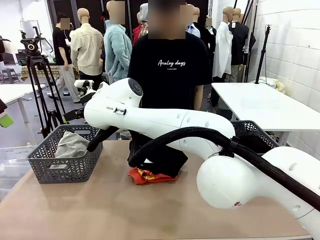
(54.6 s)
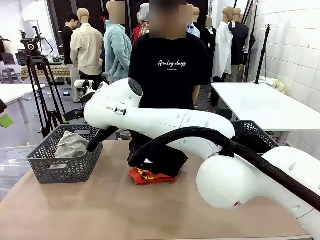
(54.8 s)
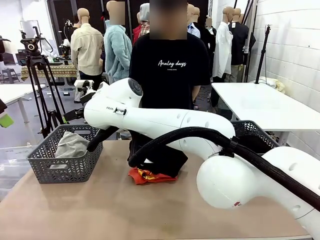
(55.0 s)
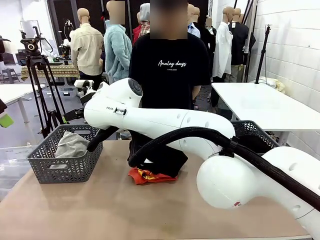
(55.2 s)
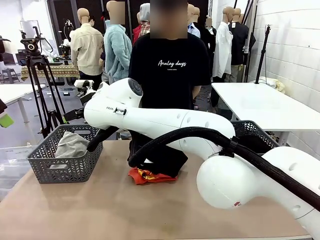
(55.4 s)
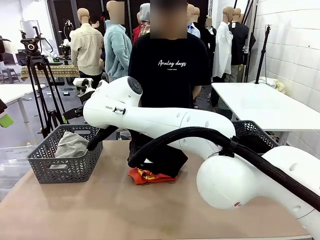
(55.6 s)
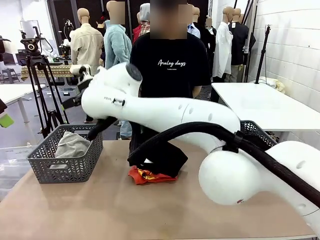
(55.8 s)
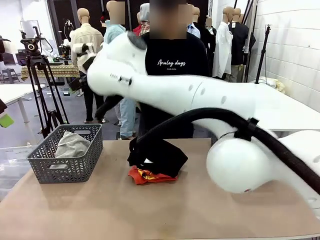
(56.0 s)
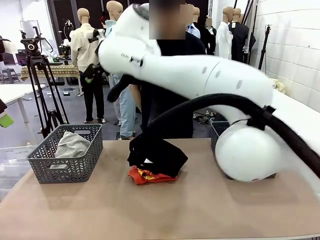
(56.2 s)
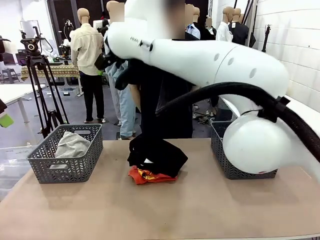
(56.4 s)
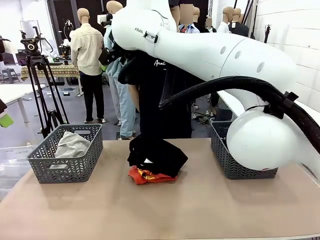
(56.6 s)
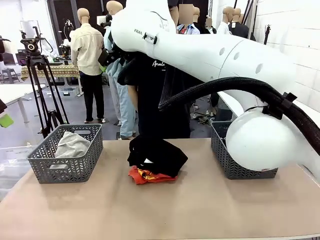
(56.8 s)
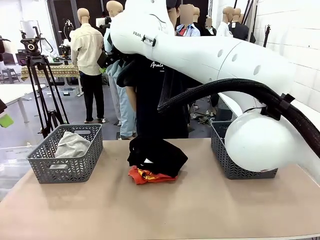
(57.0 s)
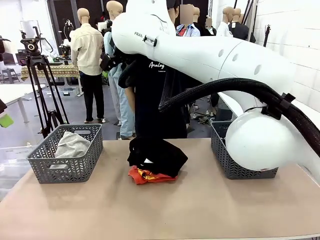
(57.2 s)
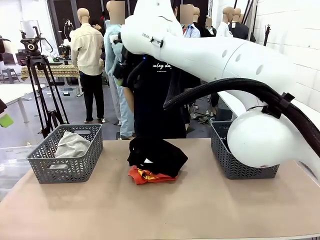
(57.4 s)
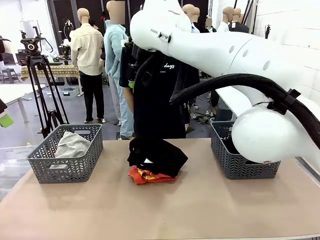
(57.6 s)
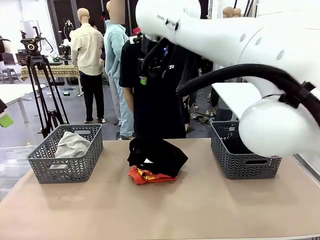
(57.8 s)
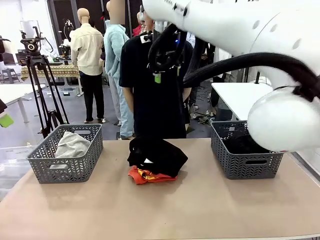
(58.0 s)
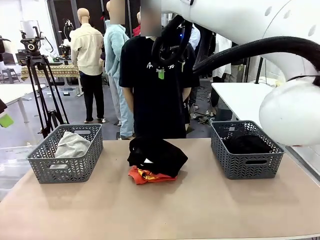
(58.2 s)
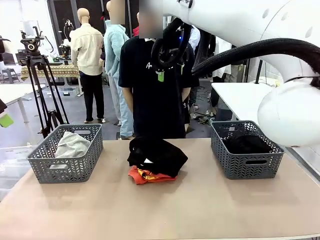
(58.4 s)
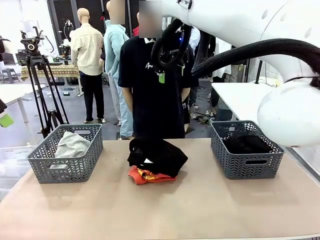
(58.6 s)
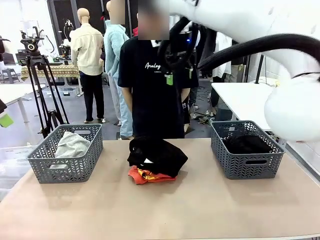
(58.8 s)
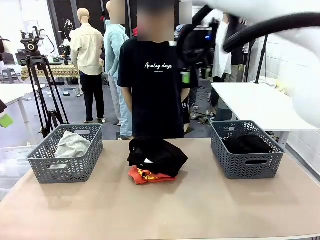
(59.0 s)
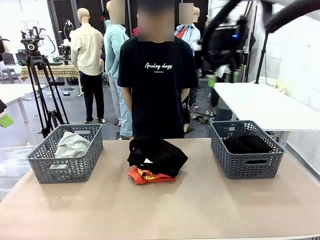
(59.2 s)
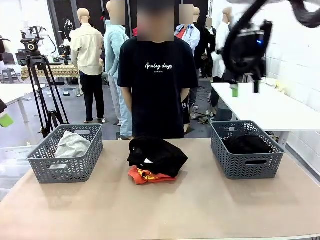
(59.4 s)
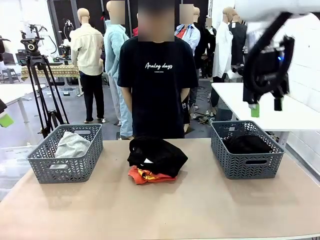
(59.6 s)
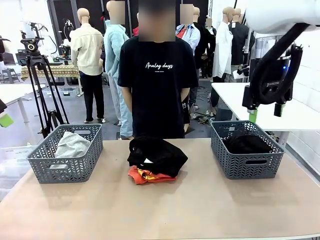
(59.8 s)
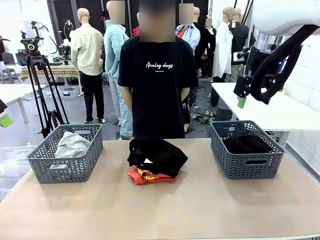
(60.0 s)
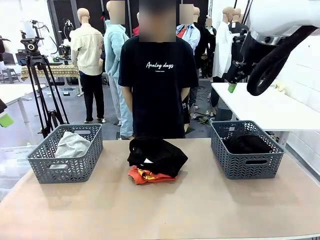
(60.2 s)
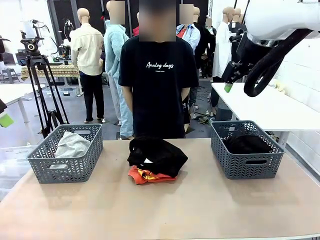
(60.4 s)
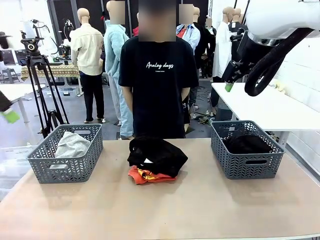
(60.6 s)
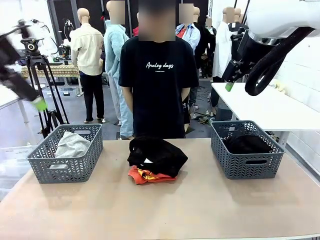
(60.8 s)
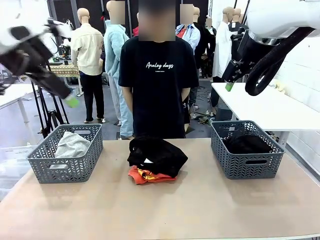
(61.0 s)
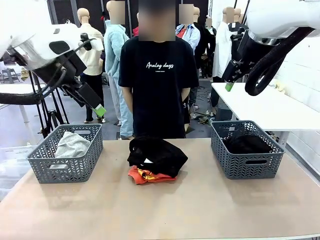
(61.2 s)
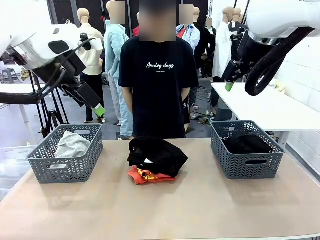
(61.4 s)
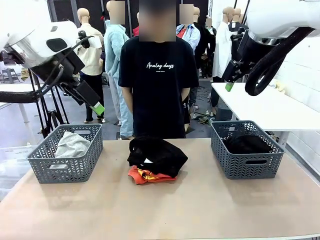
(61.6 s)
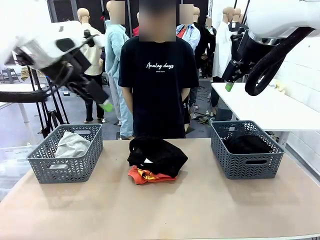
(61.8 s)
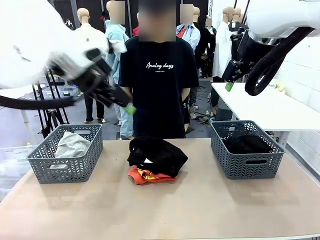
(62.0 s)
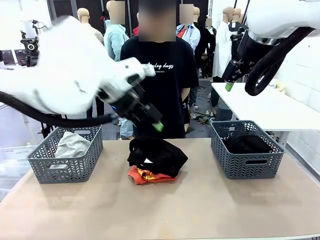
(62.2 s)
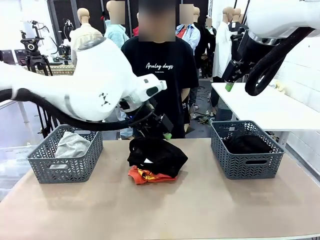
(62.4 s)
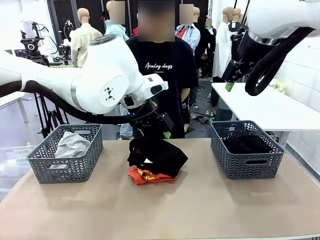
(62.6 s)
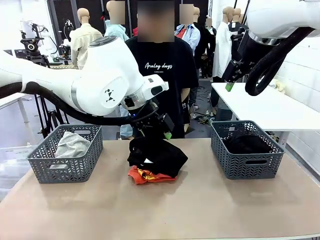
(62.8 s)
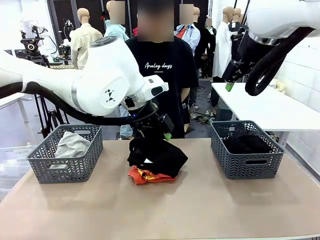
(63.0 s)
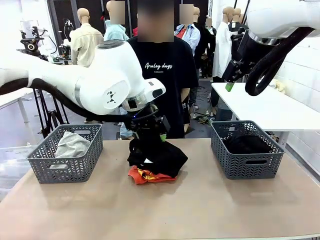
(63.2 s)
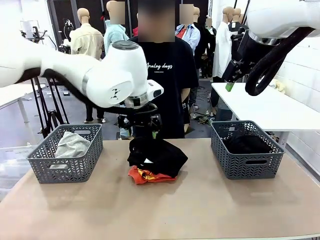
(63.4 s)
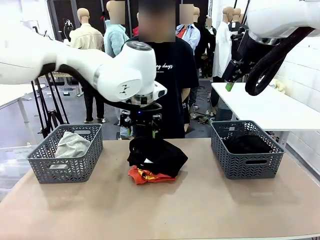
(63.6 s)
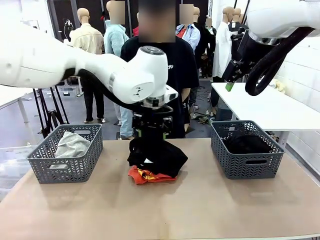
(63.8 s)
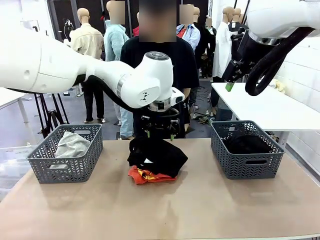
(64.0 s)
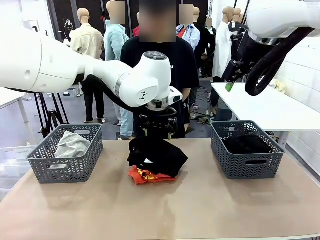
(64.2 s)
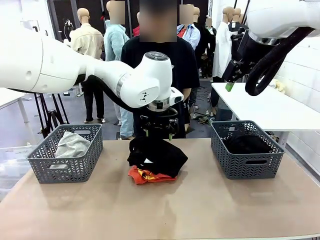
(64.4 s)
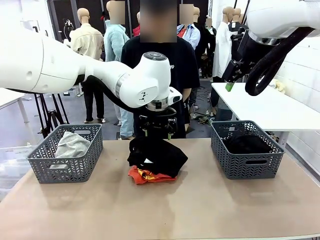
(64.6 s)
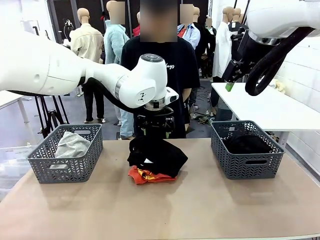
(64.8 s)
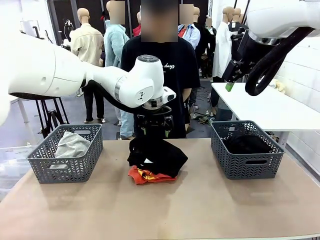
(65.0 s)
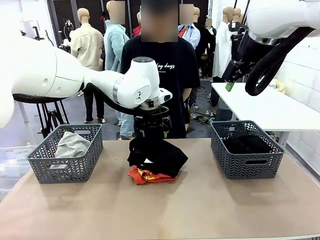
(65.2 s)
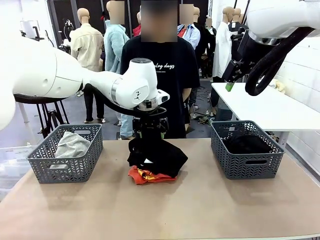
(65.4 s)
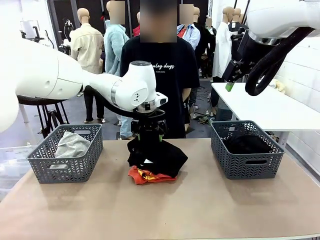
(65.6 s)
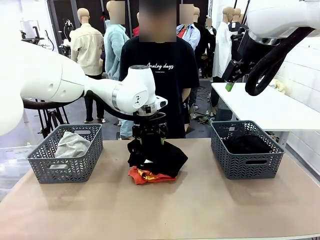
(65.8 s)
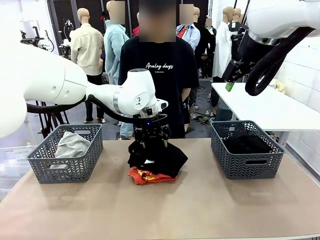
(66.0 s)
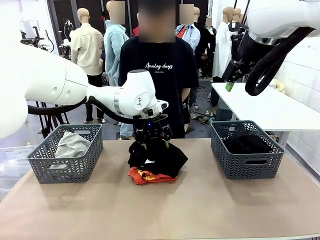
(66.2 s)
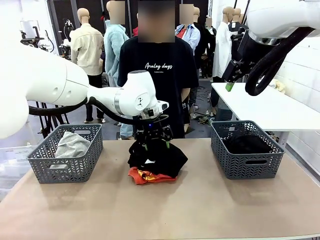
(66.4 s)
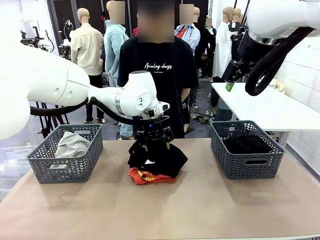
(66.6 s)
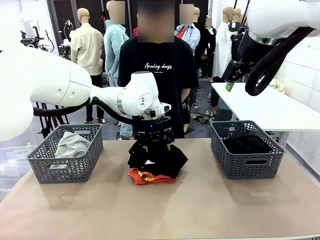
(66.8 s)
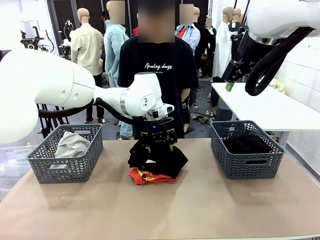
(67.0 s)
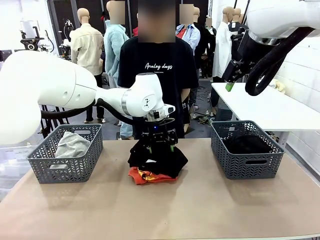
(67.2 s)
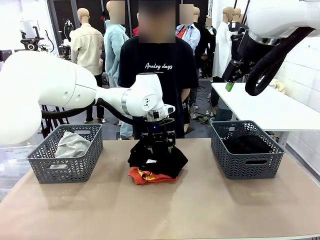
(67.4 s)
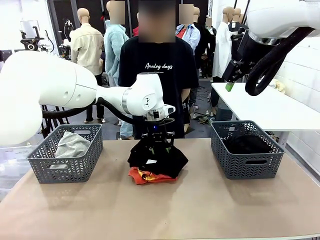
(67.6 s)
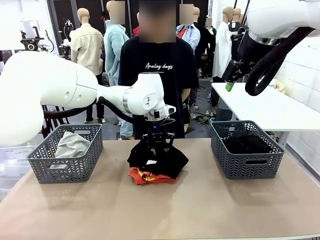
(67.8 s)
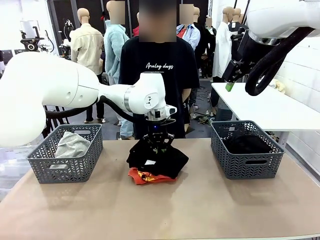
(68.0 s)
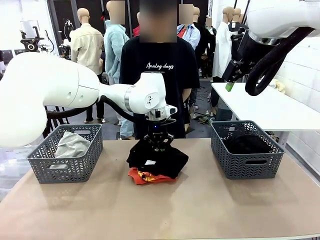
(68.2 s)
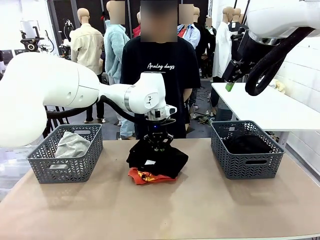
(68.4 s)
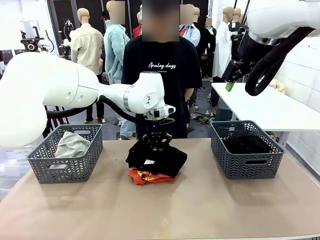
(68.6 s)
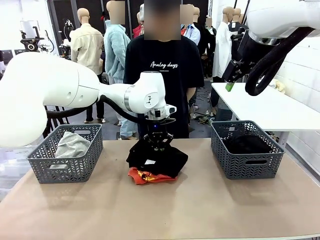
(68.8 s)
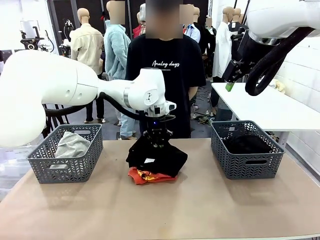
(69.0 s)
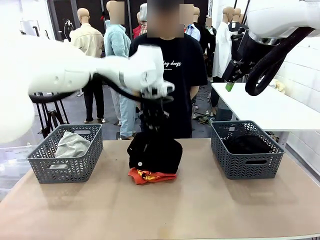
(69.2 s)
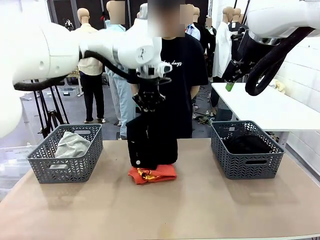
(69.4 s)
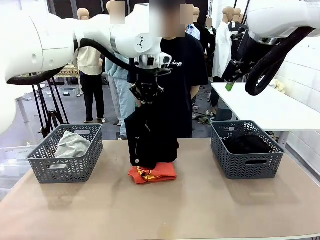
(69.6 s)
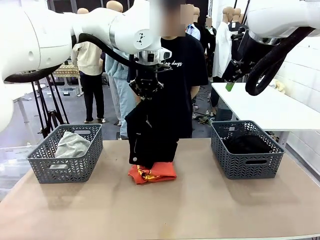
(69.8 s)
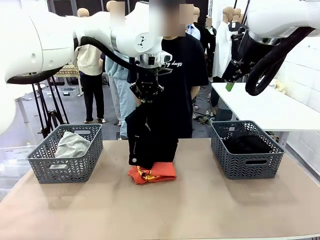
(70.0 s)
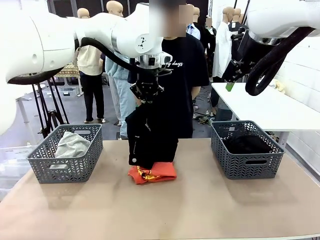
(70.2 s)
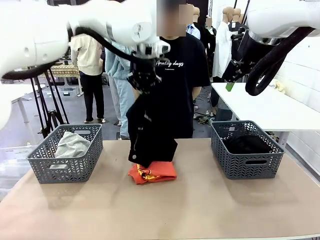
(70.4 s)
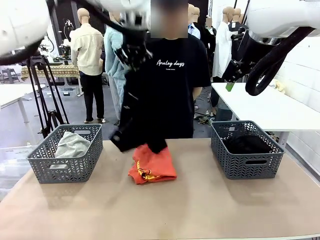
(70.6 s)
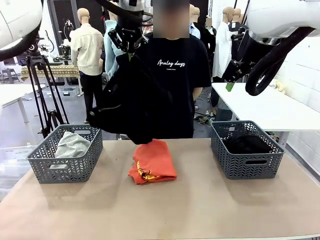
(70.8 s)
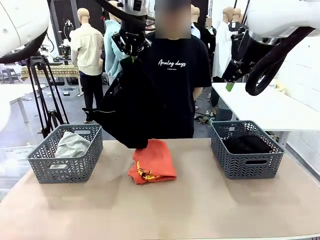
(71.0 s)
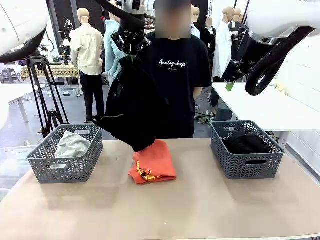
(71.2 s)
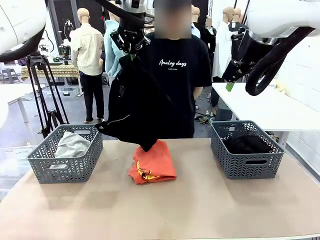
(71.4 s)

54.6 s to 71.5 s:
Task: Sort the tops and bottoms.
Robot: Lift clothes from the center of the table with your left hand.

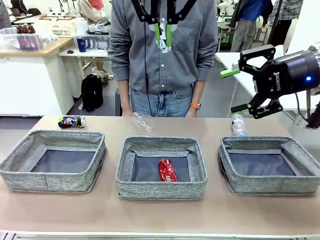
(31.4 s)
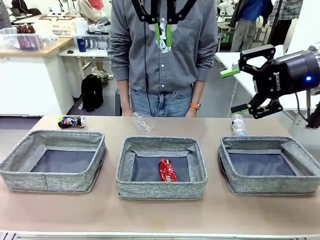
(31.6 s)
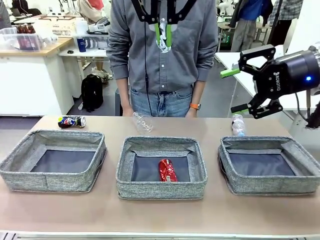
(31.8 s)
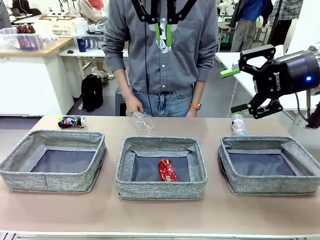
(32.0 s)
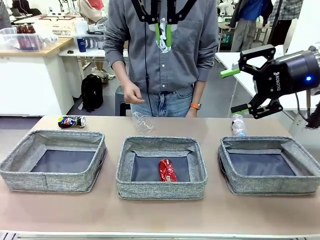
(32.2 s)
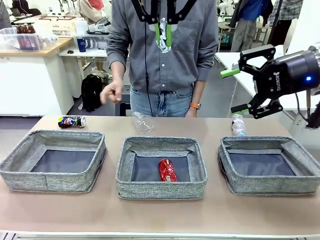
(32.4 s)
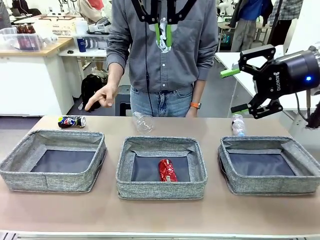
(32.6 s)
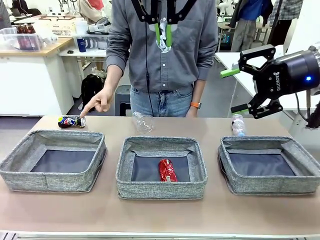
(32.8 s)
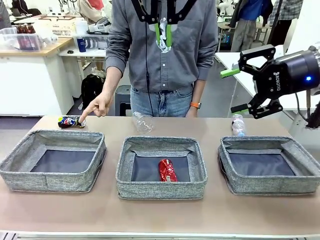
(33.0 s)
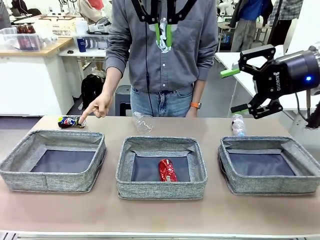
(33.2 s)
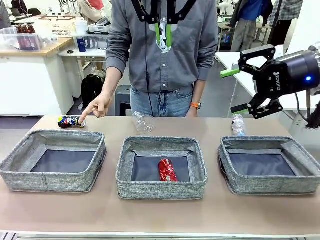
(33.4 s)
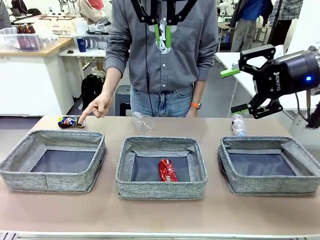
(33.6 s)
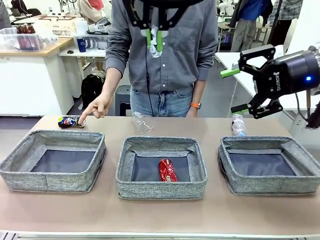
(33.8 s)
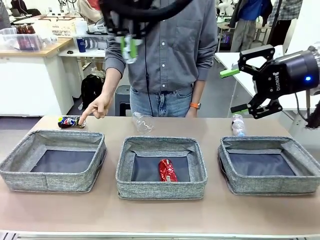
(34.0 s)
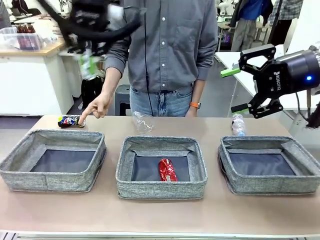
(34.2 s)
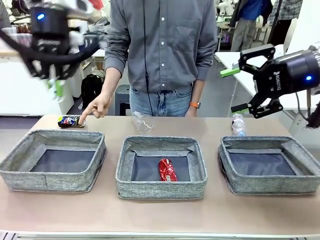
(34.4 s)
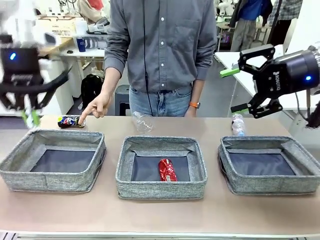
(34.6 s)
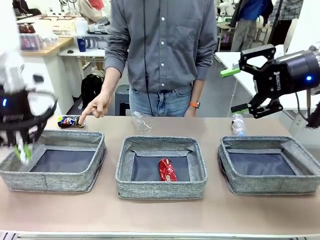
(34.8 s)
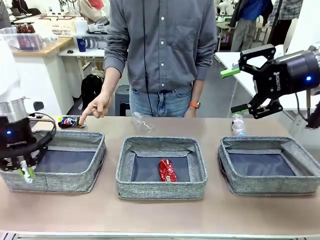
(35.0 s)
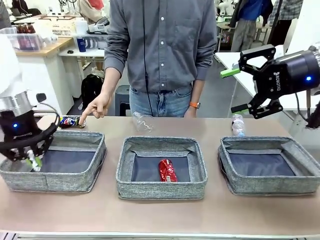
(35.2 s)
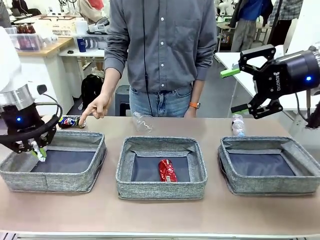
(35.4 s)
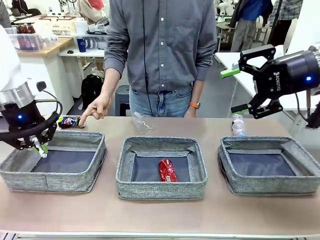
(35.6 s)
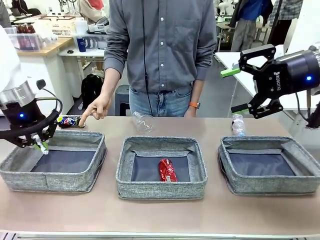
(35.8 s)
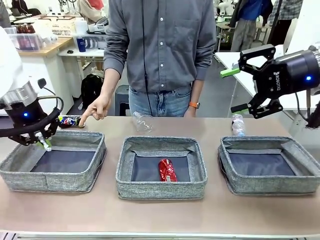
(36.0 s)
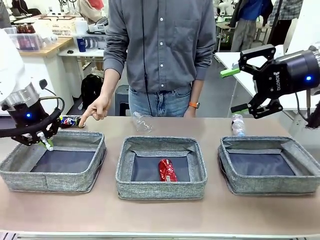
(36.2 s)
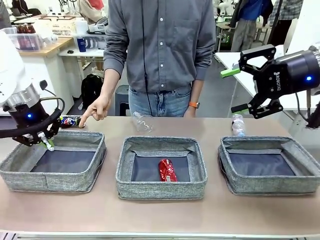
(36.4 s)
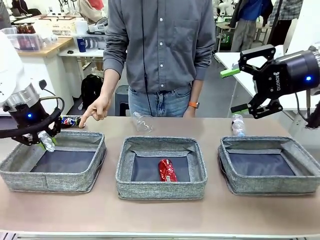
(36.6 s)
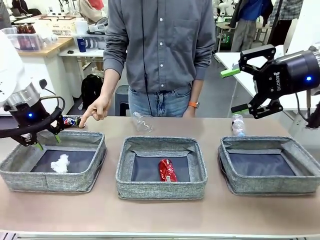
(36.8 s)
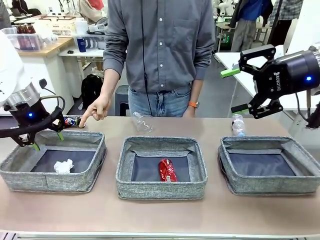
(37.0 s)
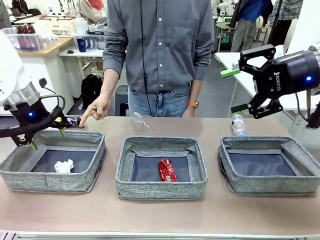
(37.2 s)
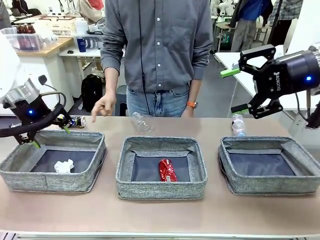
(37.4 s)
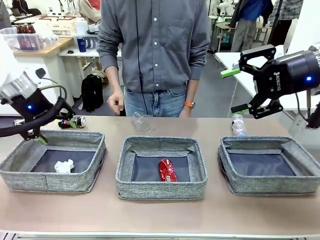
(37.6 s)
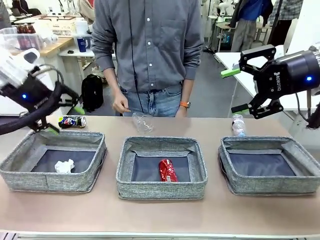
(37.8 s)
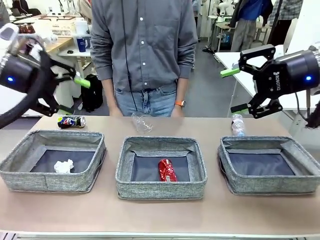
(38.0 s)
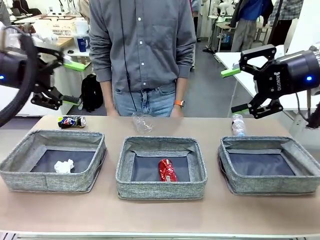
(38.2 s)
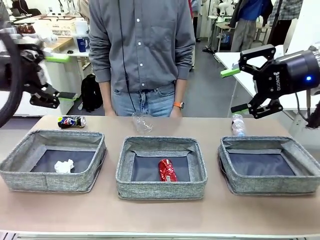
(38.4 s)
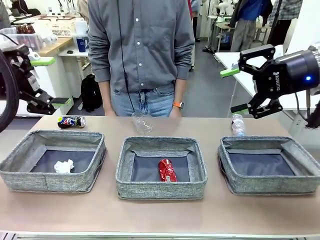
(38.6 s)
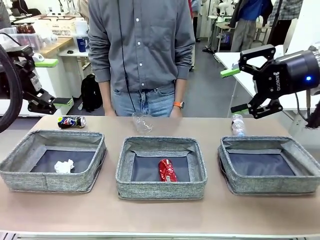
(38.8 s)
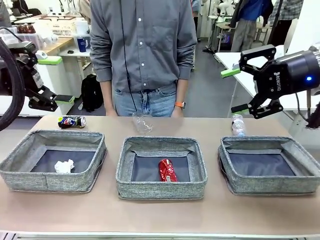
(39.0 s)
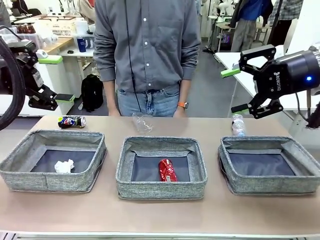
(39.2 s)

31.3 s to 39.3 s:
Task: Sort the waste into the appropriate baskets.
Robot: Place the picked waste into the Fabric basket indicated by the person.
Person: Instructs the robot to place the picked-up trash into the appropriate organizing basket.
